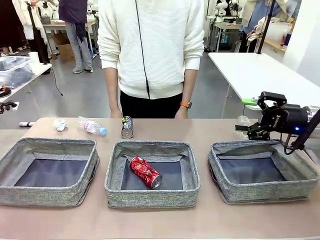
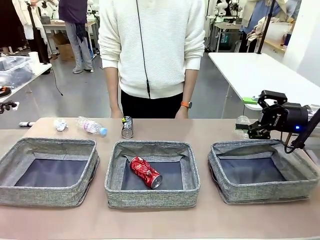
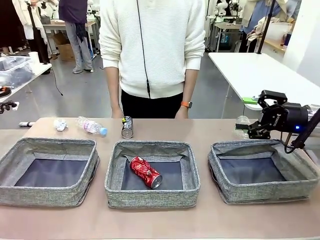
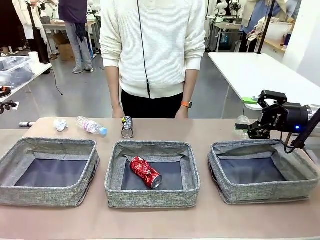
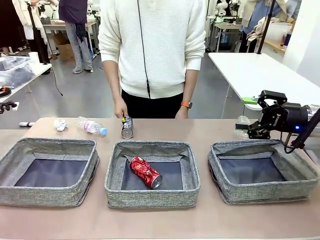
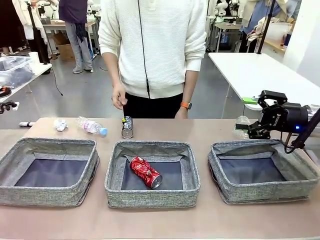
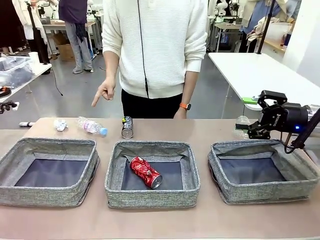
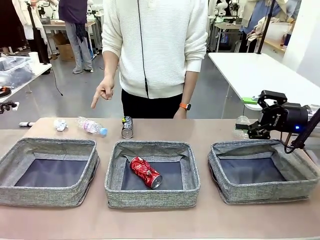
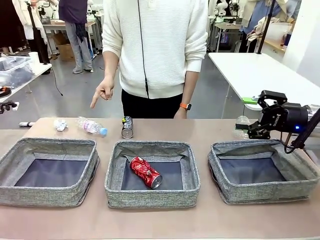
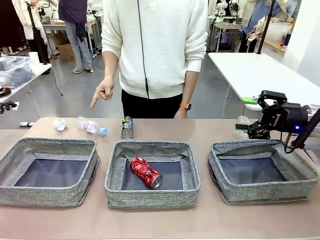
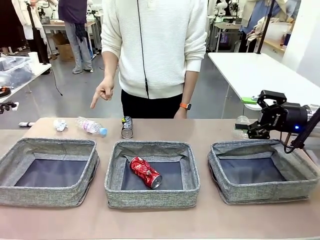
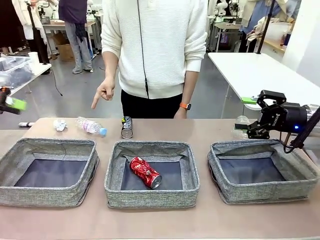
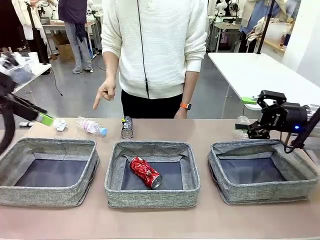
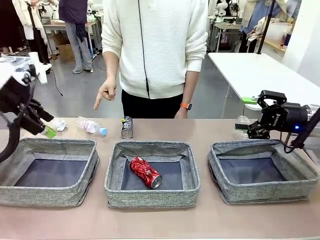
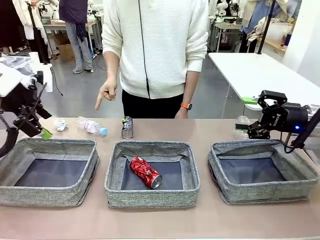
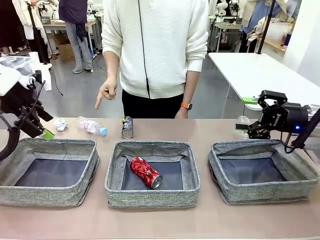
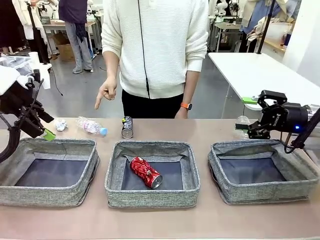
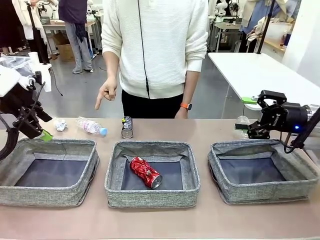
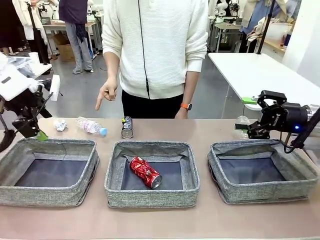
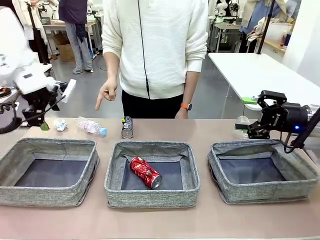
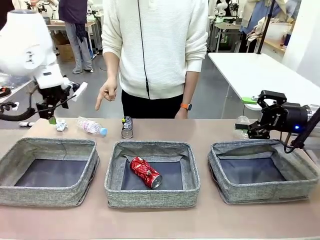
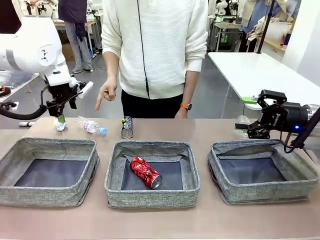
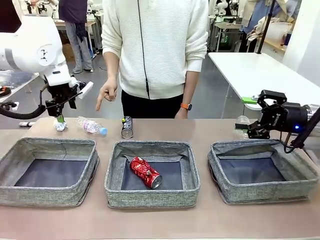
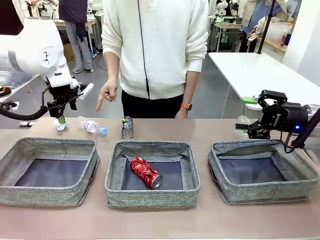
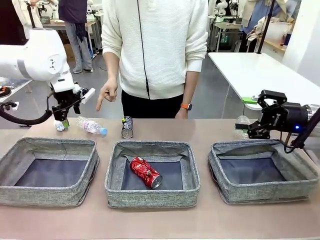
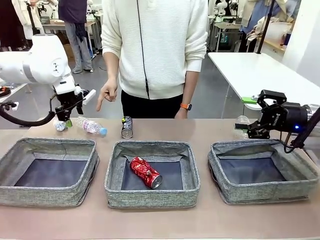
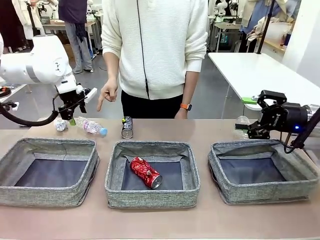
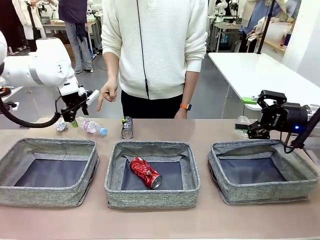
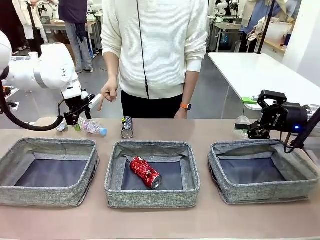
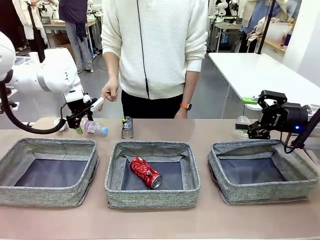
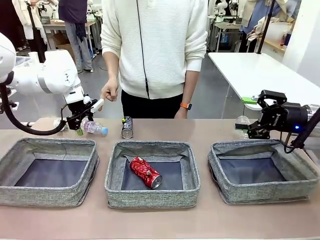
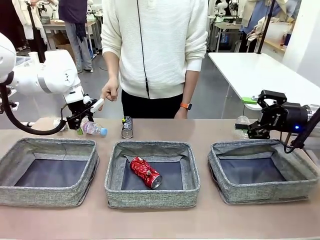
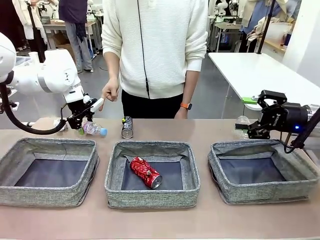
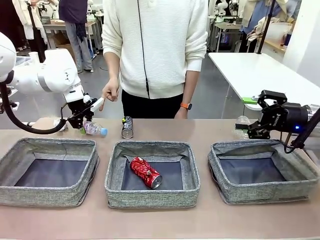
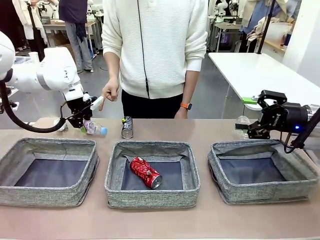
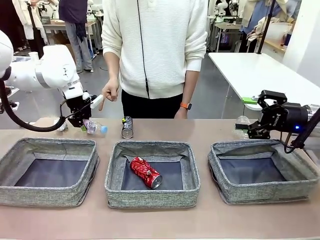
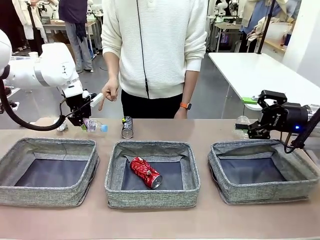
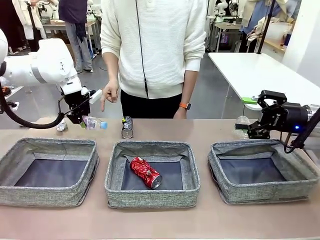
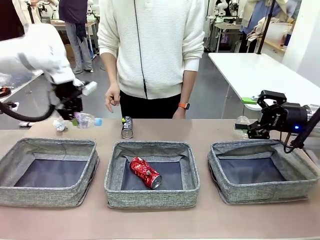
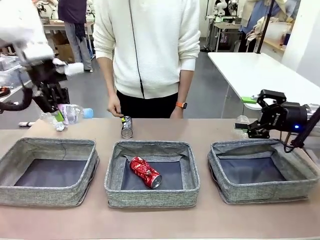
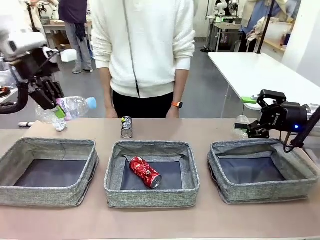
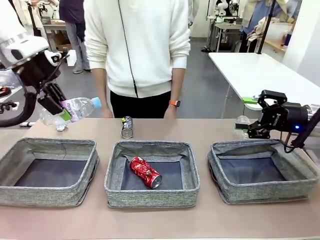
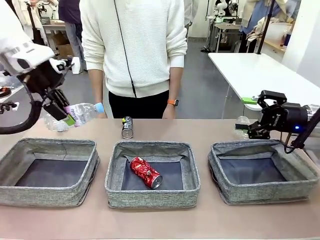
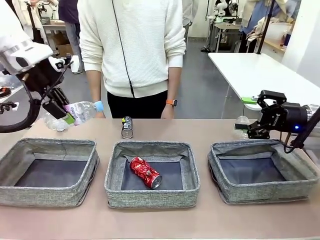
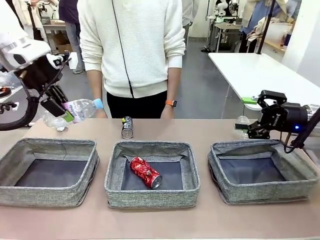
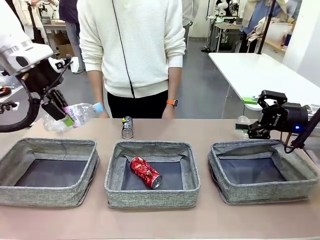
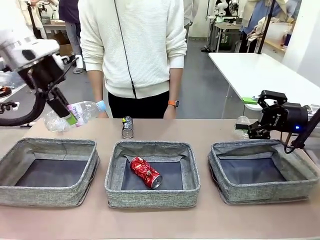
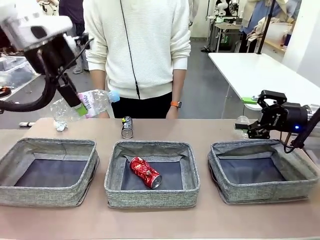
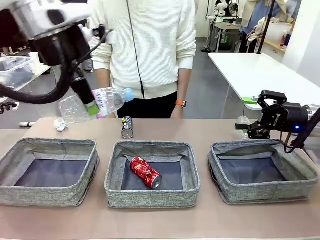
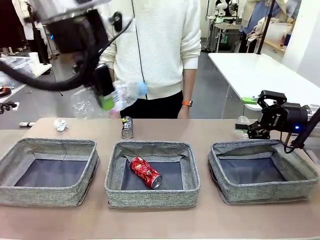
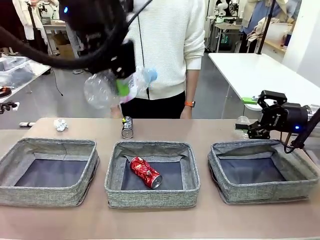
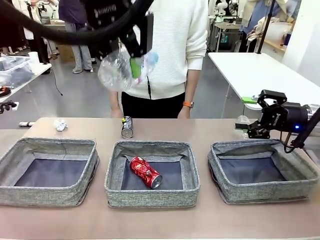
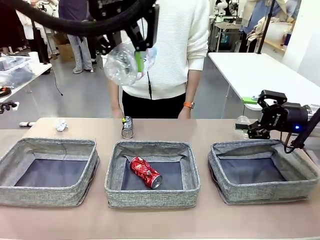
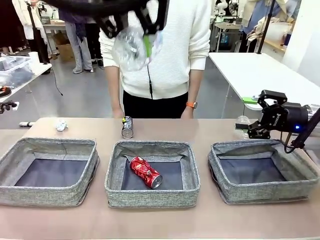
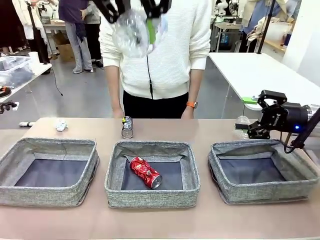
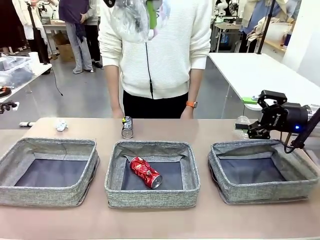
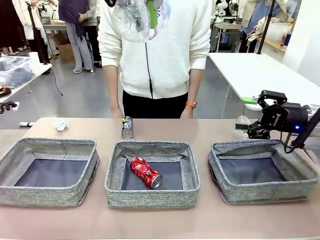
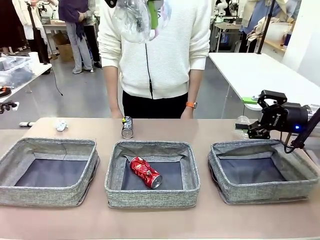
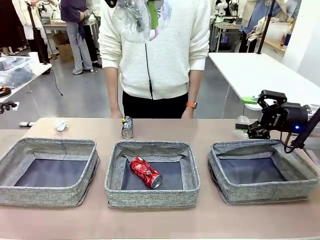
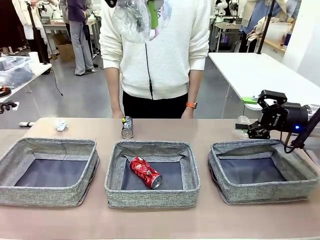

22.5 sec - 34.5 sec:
Task: Sort the waste into the appropriate baskets.
Robot: Pick up the waste item pointed out by the person.
Person: Points to one piece of trash on the table.

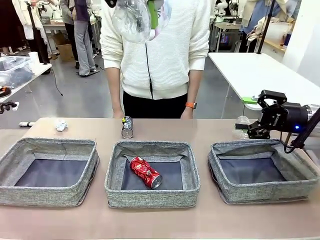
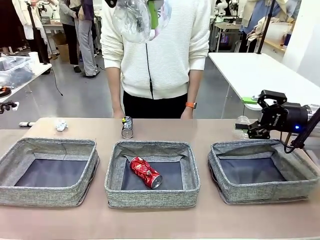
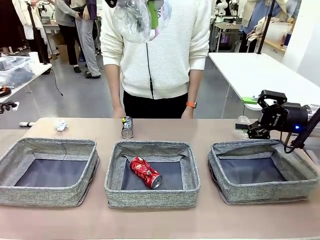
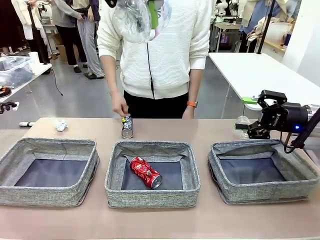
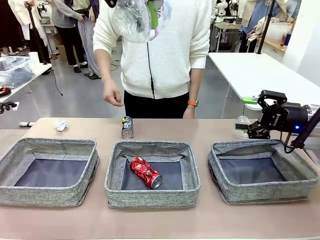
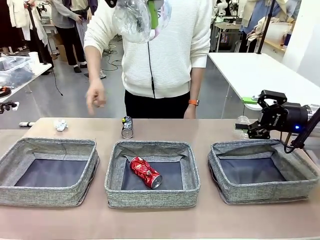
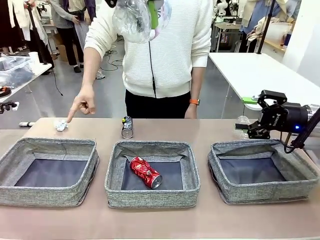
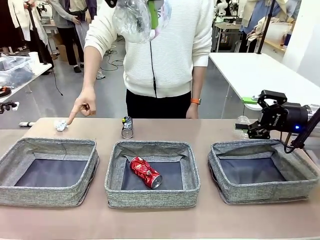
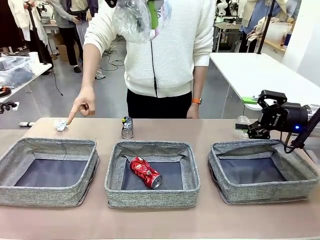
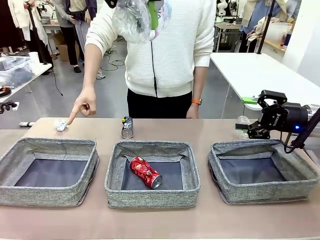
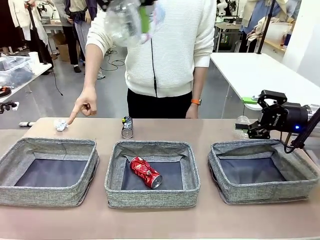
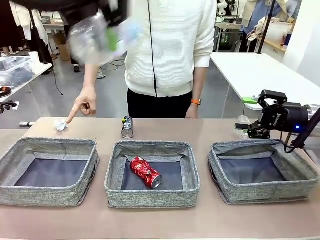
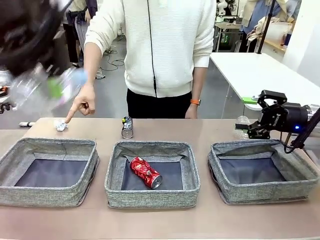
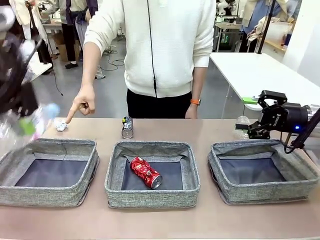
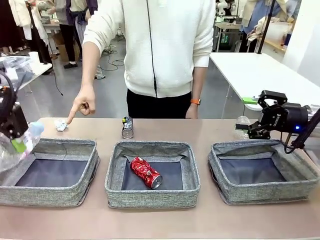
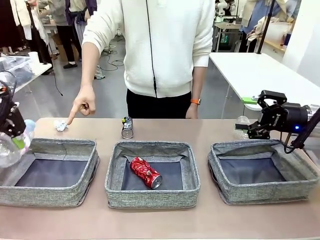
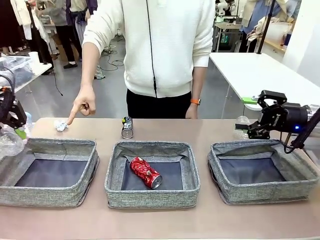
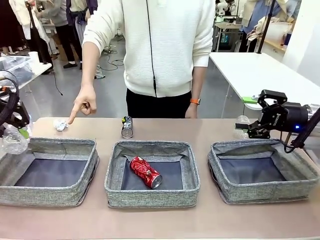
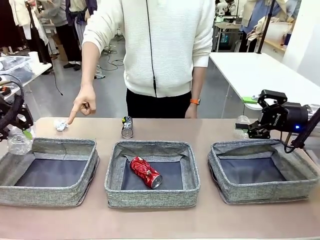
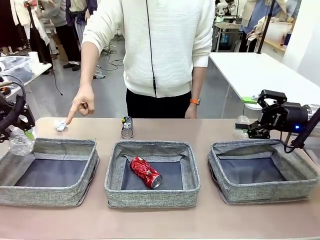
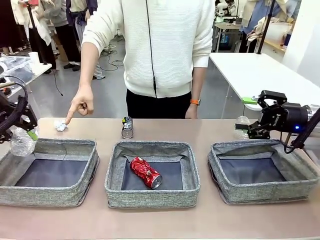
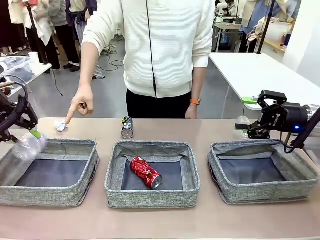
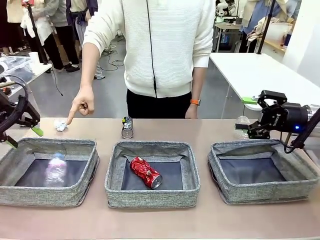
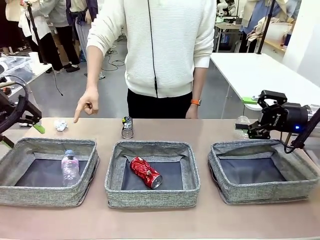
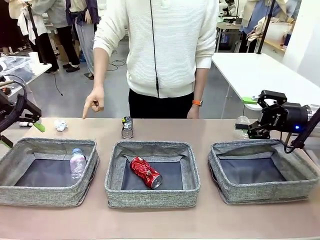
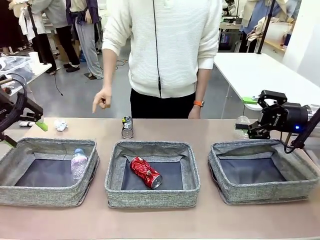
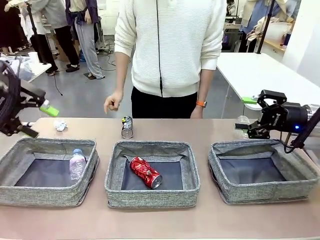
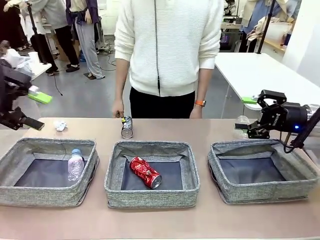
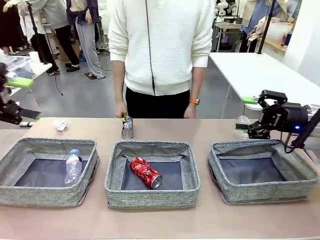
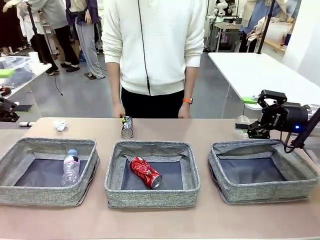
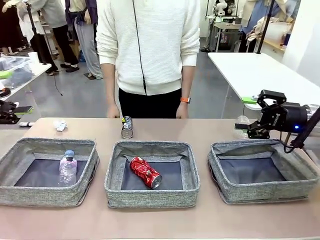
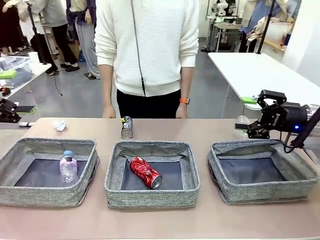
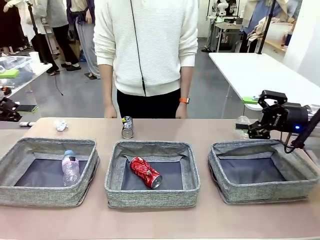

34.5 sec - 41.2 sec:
Robot: Place the picked waste into the Fabric basket indicated by the person.
Person: Instructs the robot to place the picked-up trash into the appropriate organizing basket.
